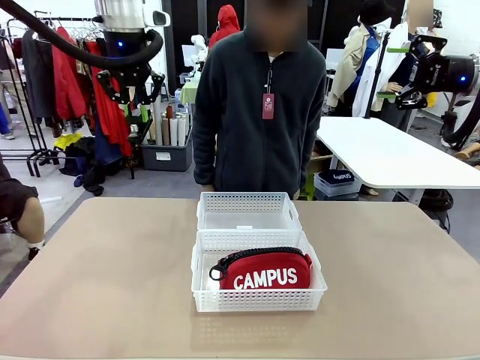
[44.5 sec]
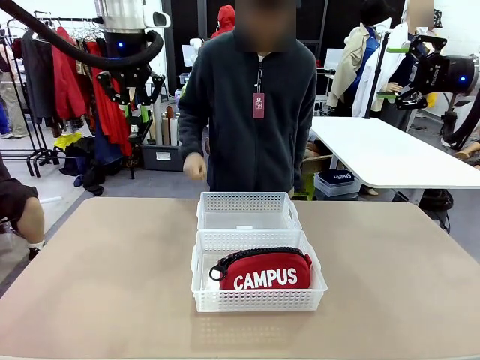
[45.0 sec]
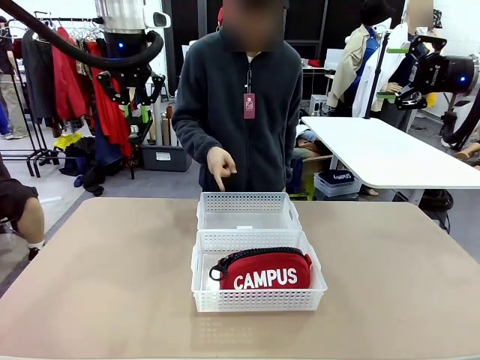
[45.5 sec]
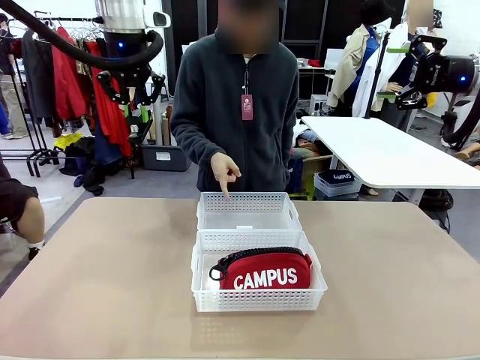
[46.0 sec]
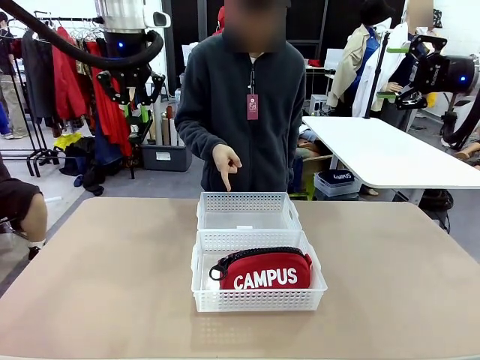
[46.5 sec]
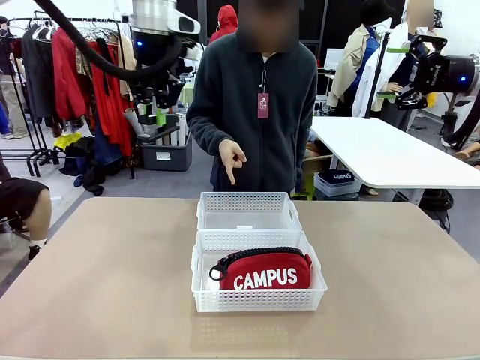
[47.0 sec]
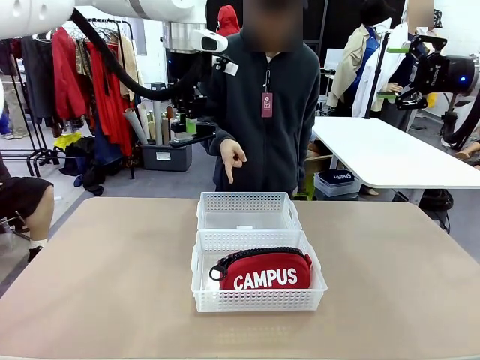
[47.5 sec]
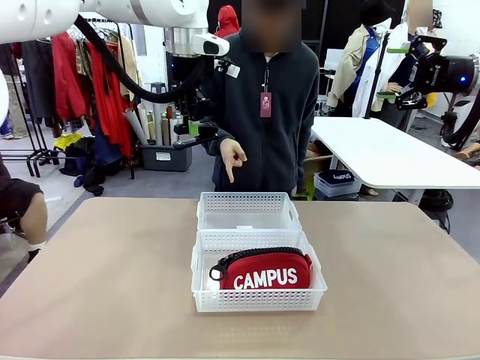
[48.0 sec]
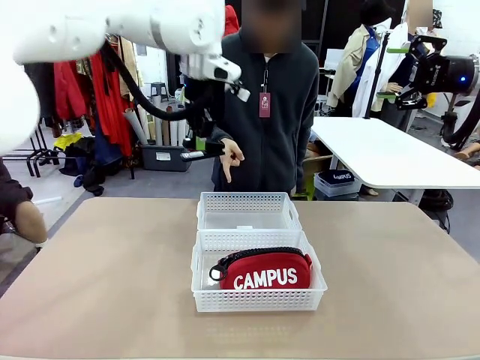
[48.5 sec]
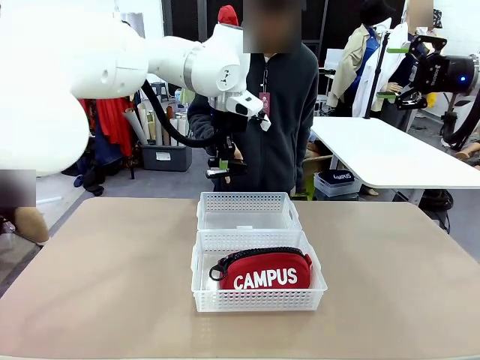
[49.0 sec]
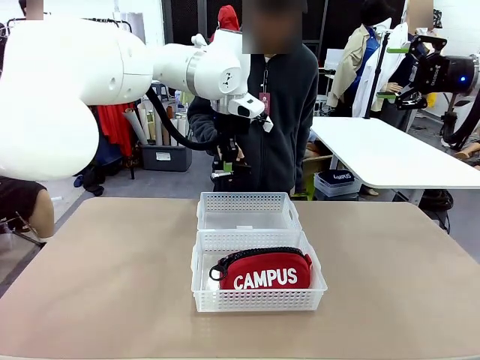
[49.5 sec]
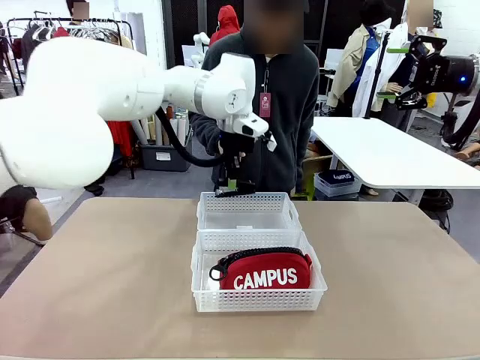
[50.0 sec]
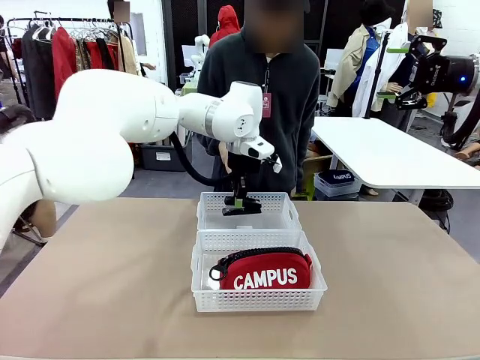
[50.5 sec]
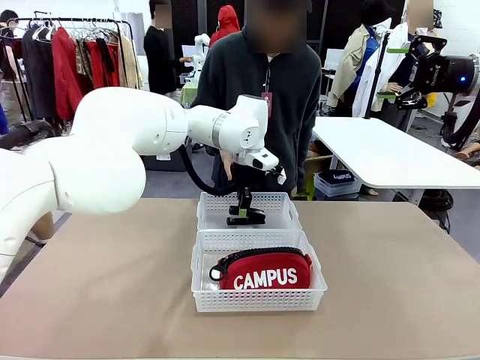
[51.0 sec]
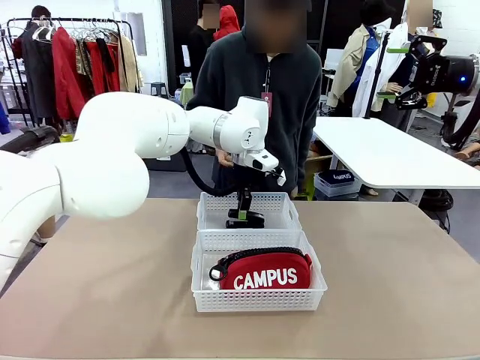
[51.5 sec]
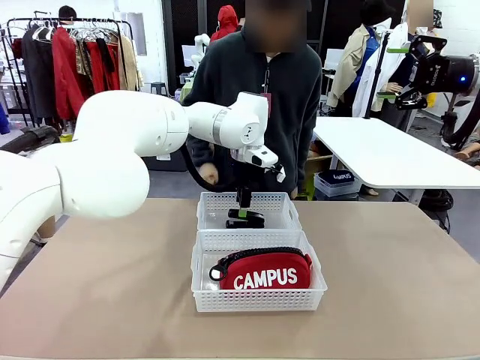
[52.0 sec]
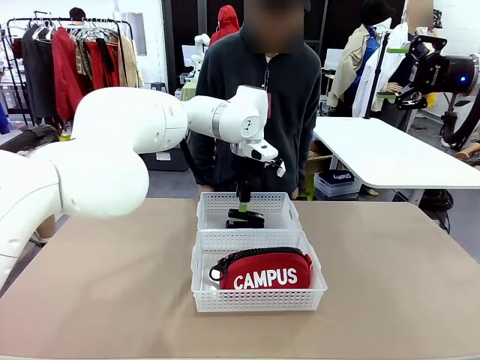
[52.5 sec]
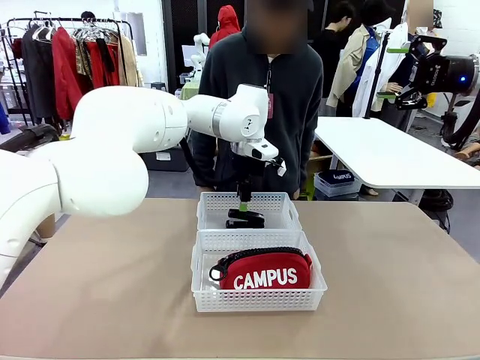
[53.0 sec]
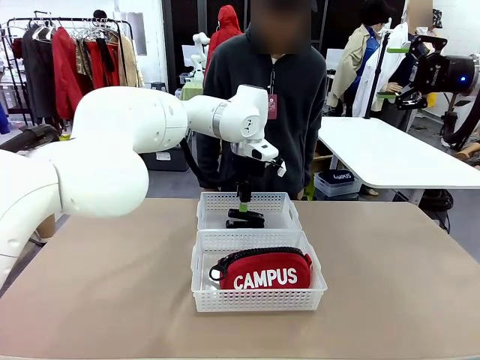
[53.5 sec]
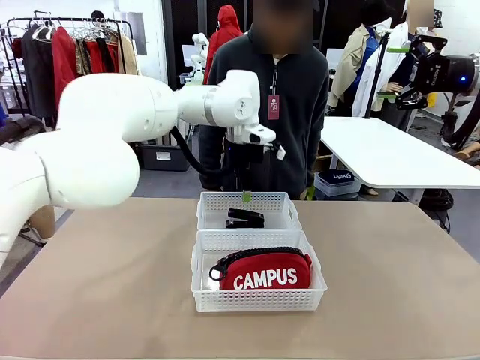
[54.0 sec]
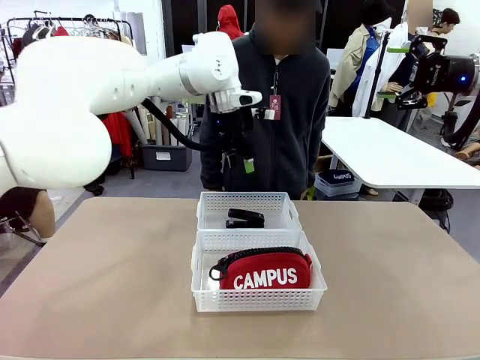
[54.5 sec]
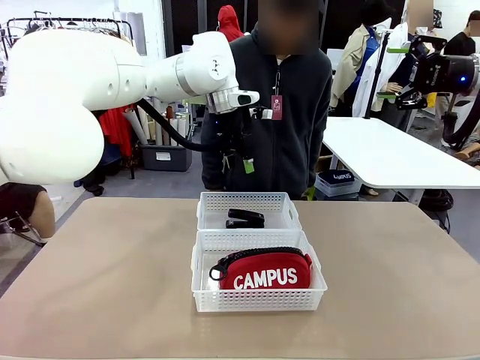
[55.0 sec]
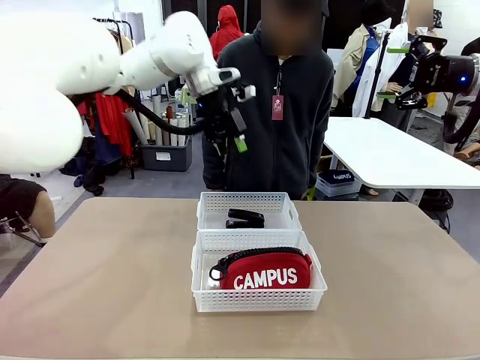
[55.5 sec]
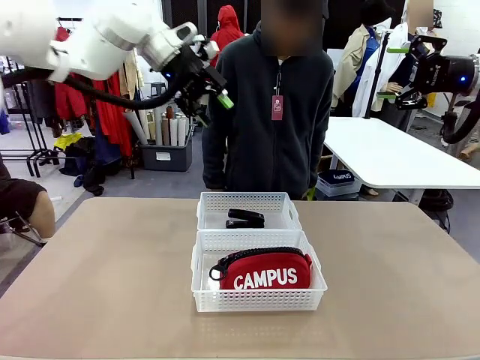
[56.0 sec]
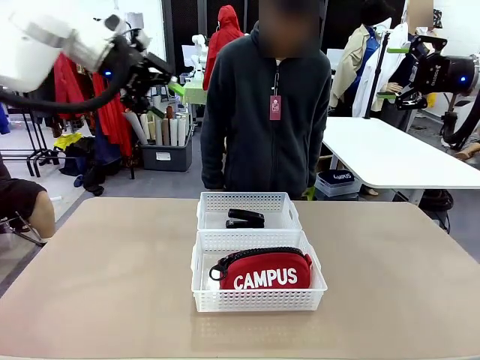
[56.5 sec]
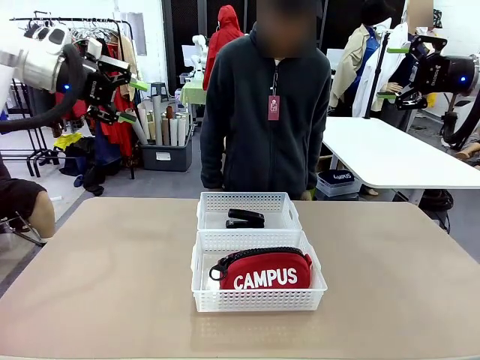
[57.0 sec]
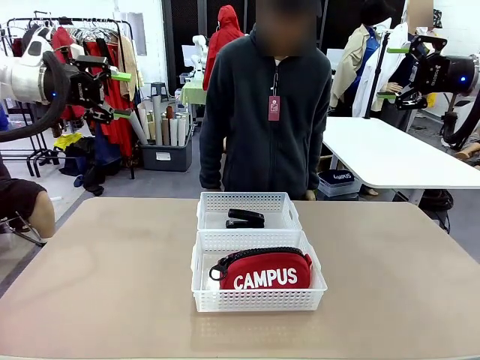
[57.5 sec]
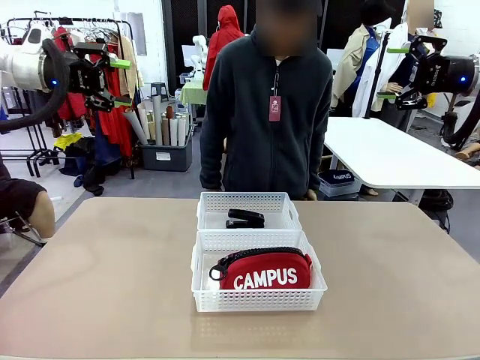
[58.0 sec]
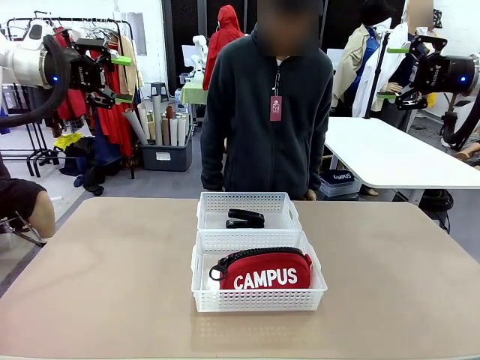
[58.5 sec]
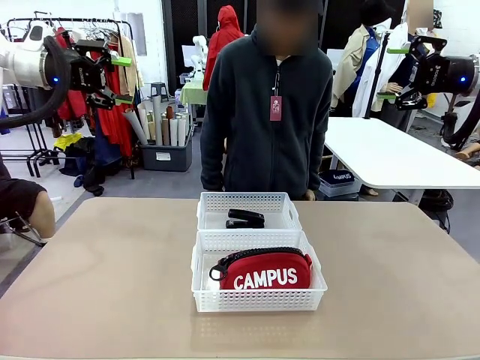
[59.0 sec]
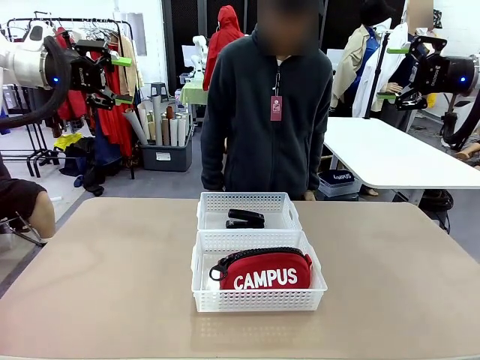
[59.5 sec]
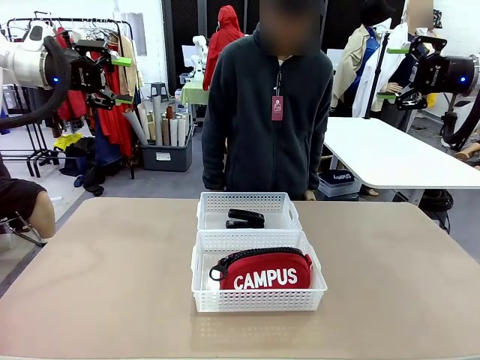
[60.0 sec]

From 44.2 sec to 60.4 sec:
Task: Distribute items into two baskets.
Robot: Place the picked Stapler into the Organizing basket as instructed by the person.
Person: Points to the basket that does not contain the pencil case and instructs the robot to move the stapler there.
